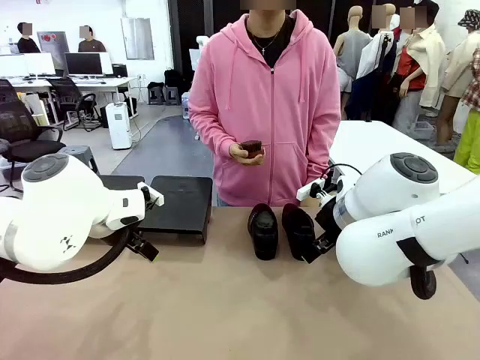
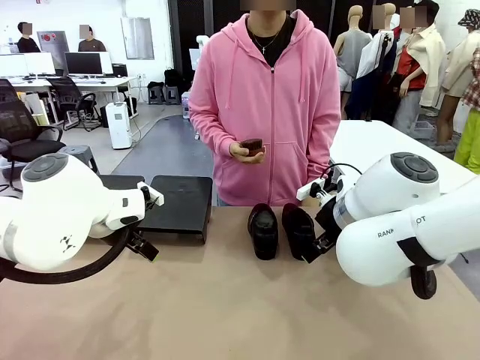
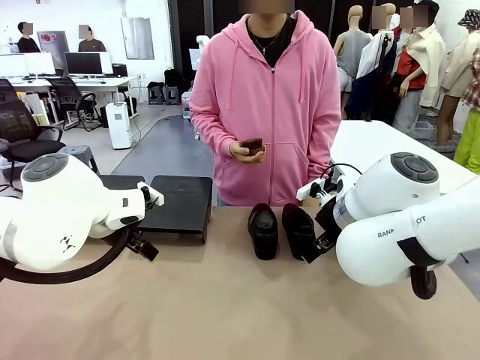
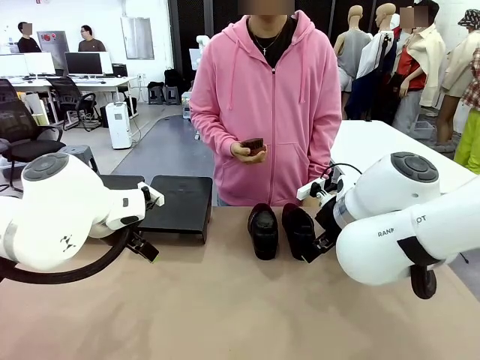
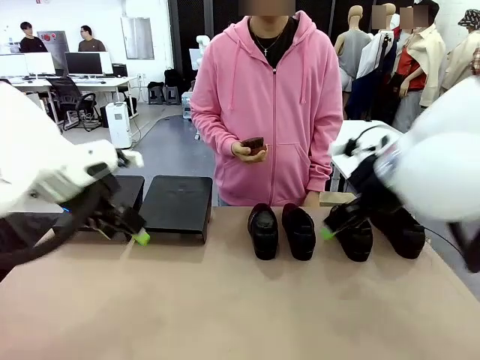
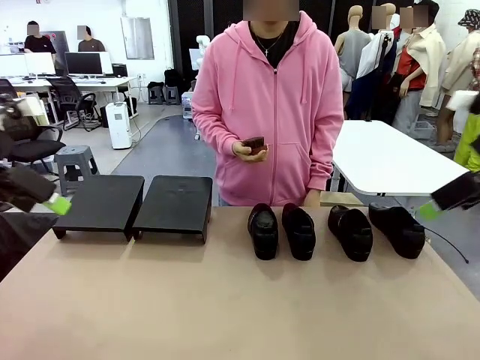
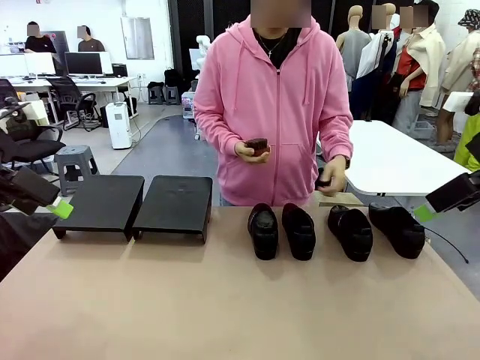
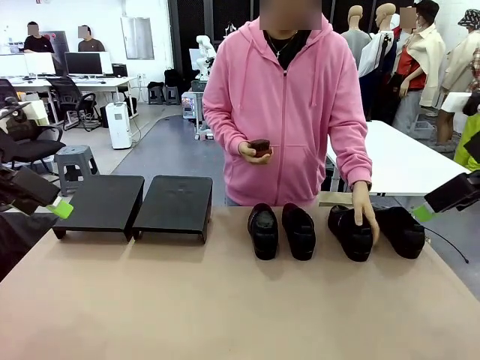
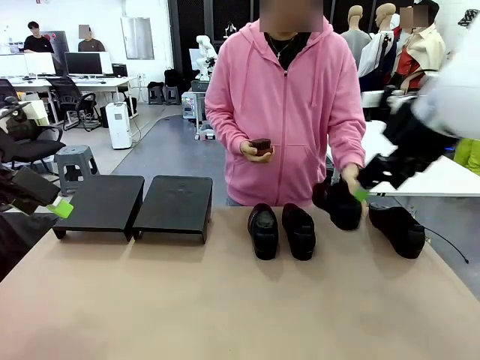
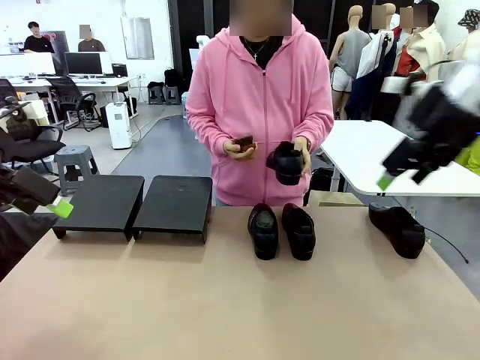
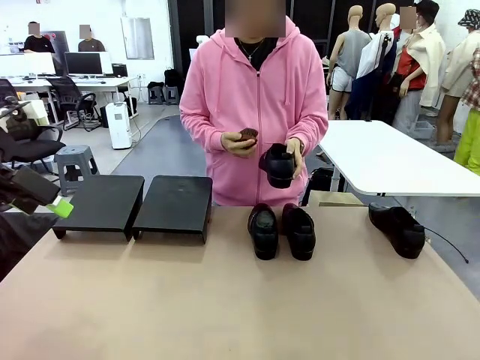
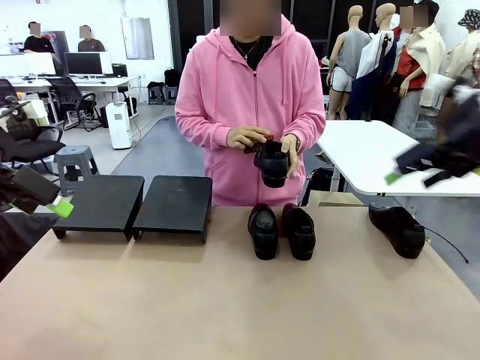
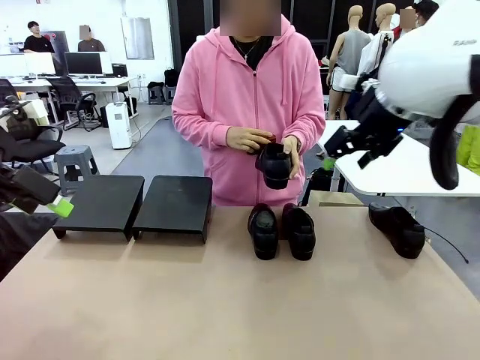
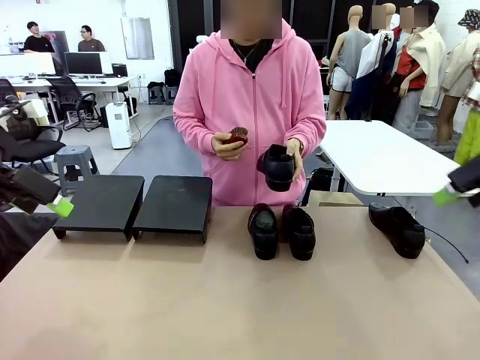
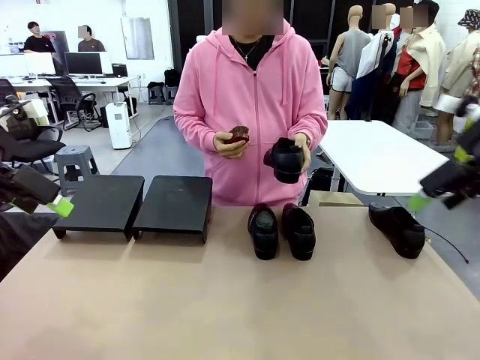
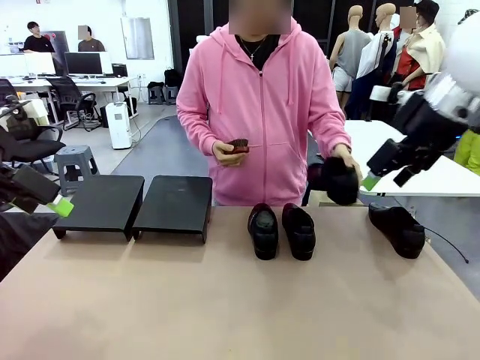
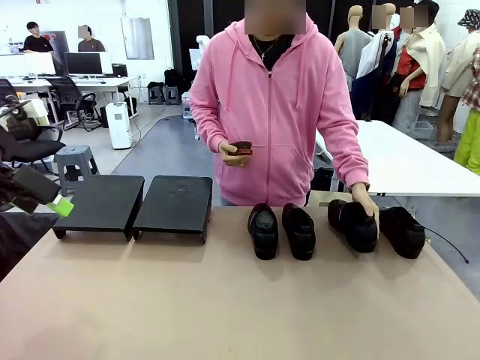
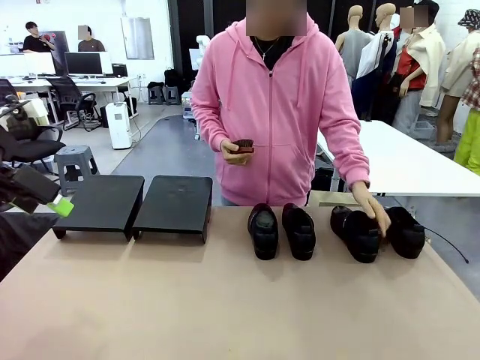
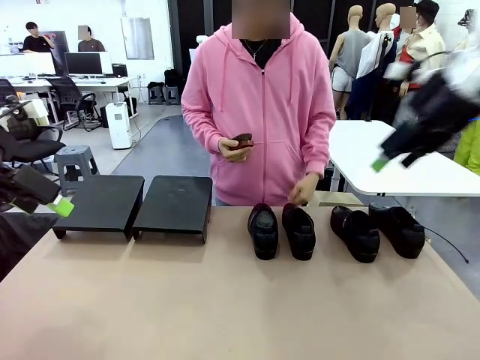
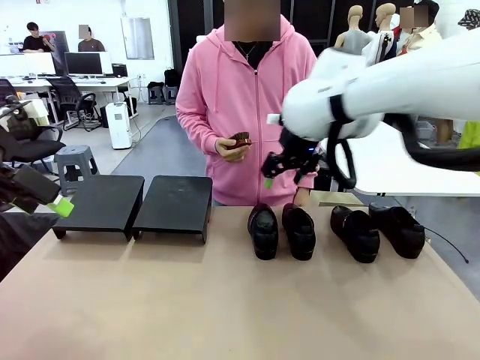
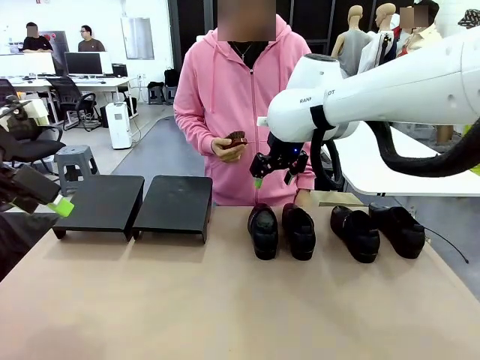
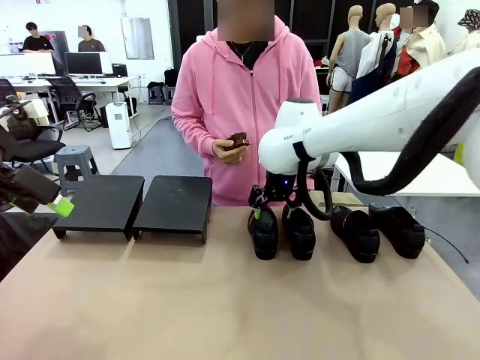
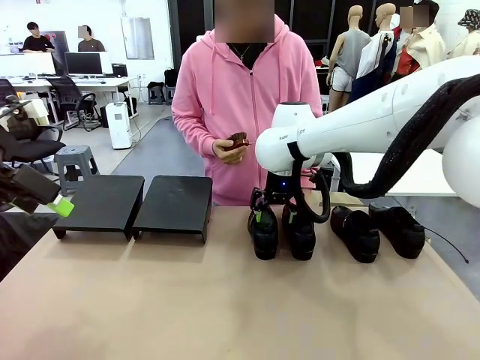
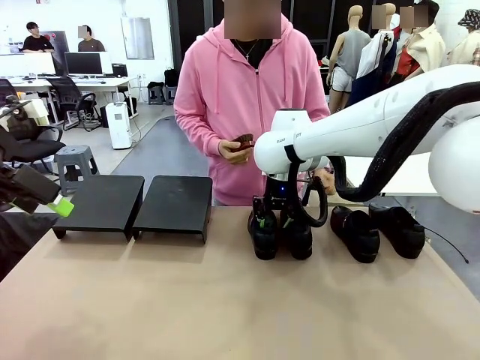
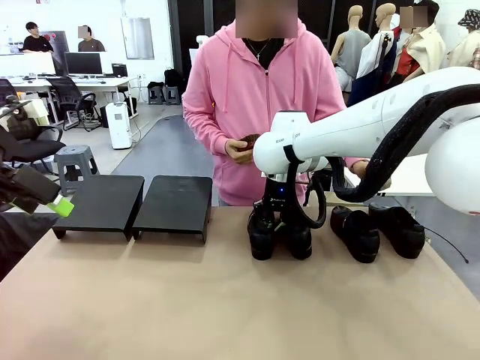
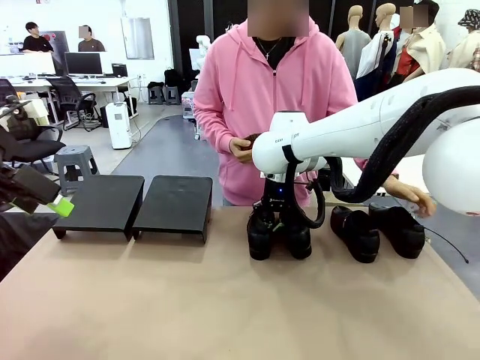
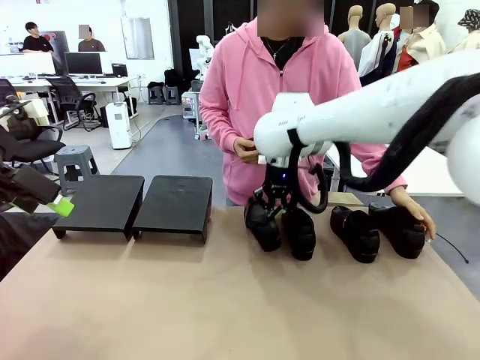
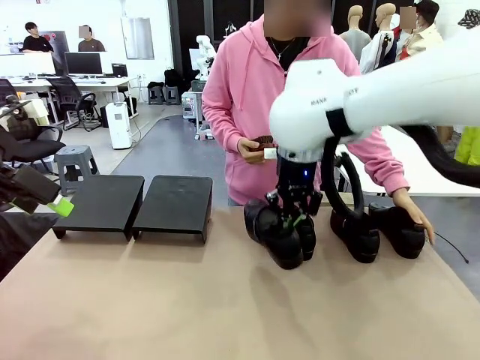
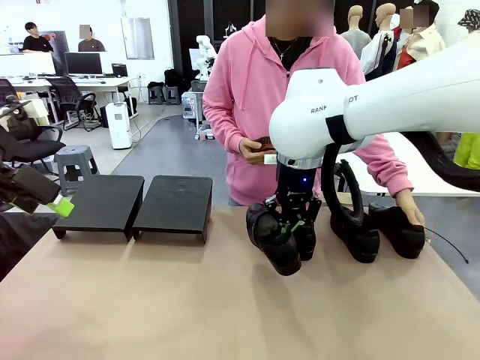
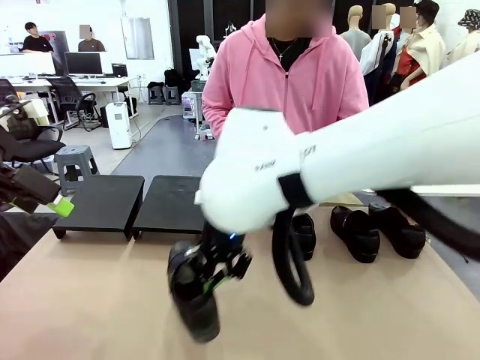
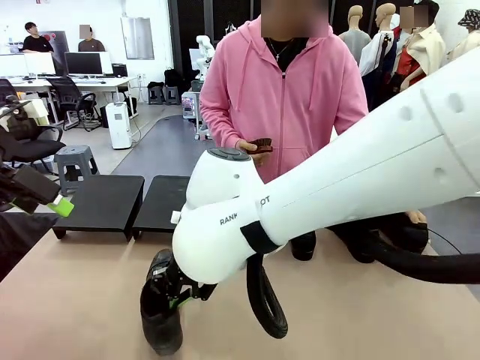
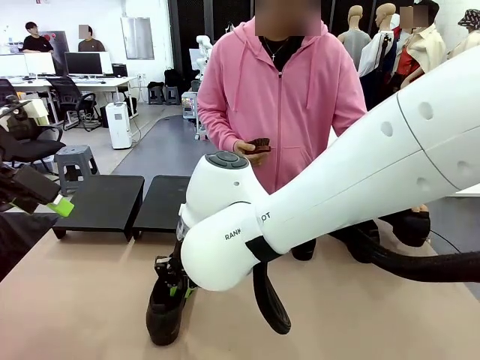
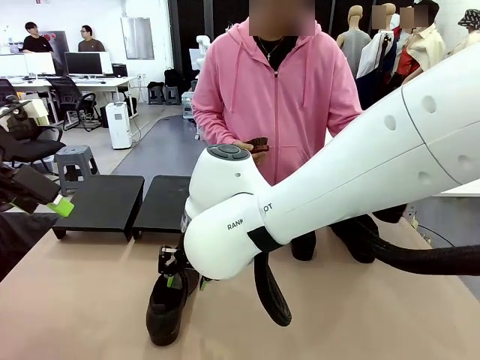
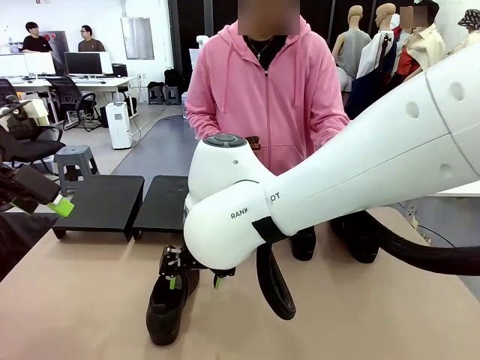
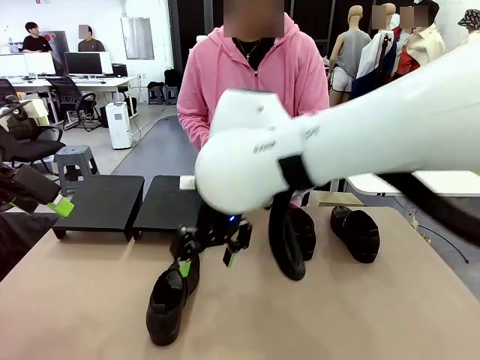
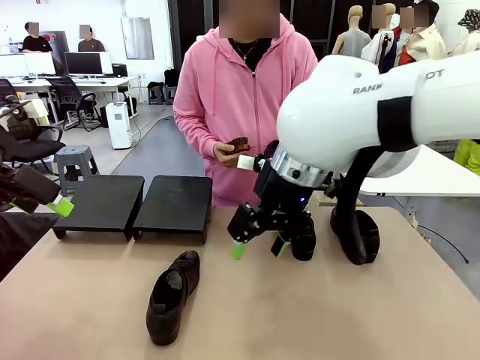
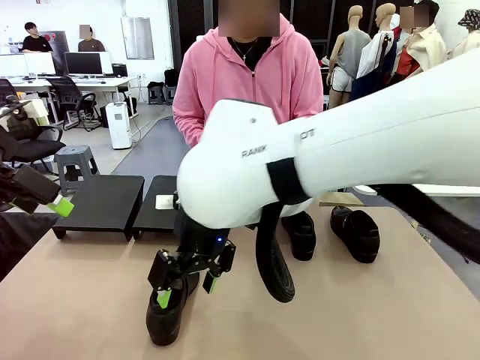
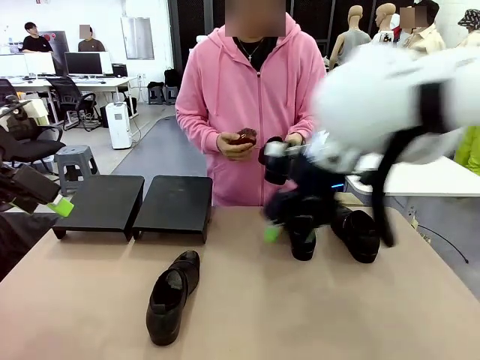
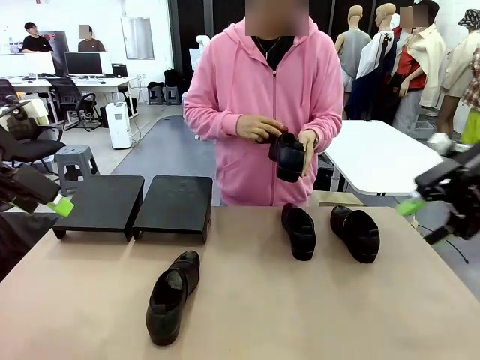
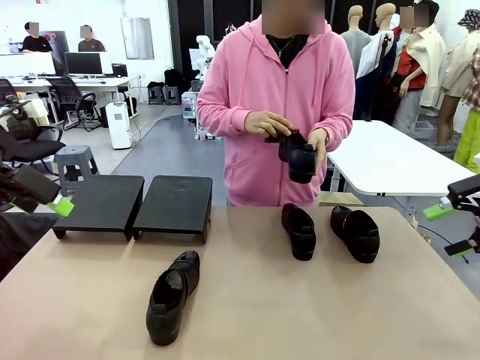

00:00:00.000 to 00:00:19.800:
Task: Organize the shoes by placing them on the stand.
Robot: Pick up one Shoe and place it in the middle of the table.
Person: Pick one Shoe on Robot's table. Clean the Shoe with the Shoe Brush. Place the Shoe on left side of the Robot's table. Pick one Shoe on Robot's table.
